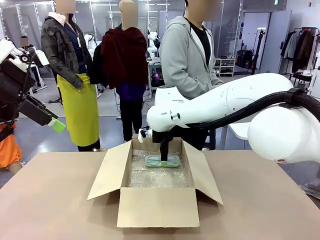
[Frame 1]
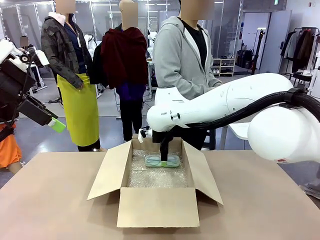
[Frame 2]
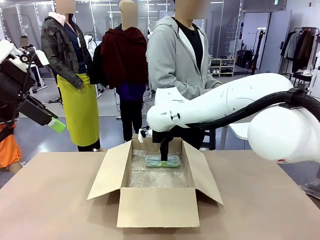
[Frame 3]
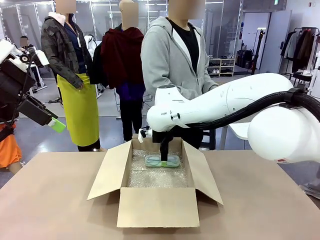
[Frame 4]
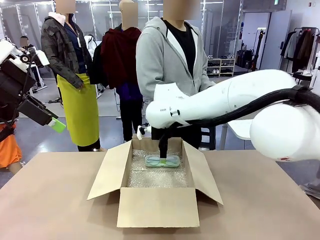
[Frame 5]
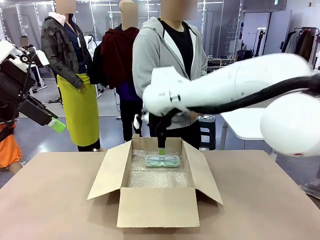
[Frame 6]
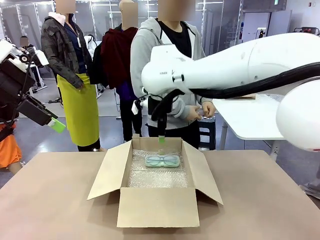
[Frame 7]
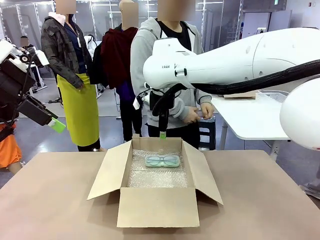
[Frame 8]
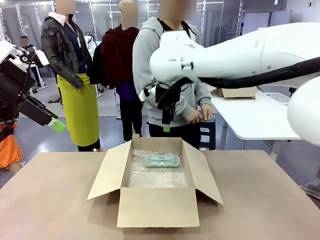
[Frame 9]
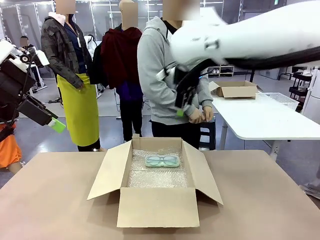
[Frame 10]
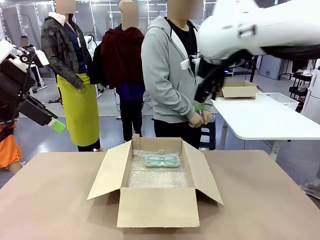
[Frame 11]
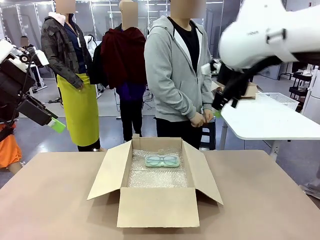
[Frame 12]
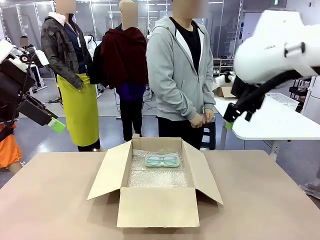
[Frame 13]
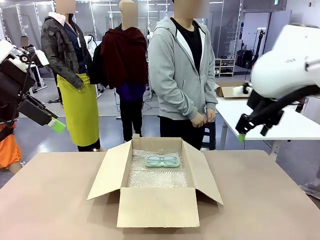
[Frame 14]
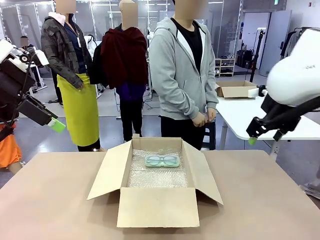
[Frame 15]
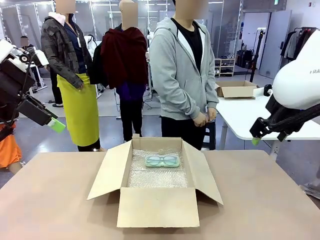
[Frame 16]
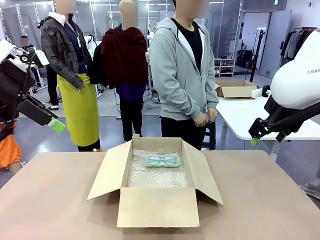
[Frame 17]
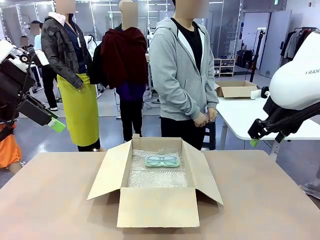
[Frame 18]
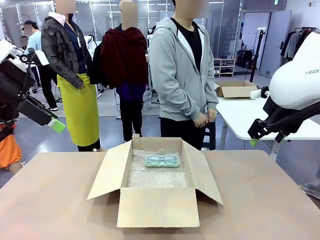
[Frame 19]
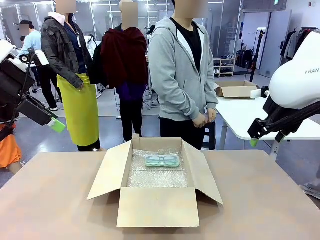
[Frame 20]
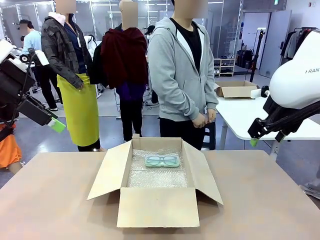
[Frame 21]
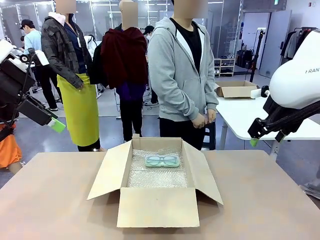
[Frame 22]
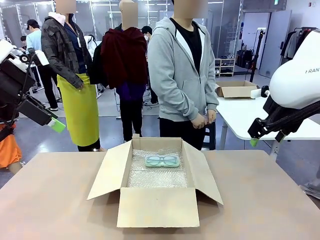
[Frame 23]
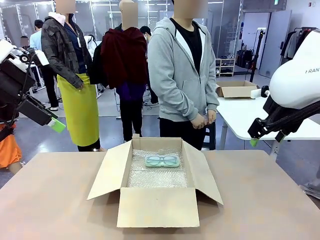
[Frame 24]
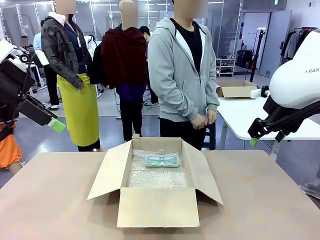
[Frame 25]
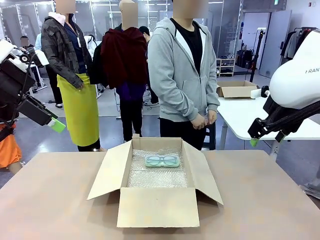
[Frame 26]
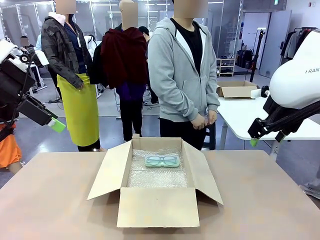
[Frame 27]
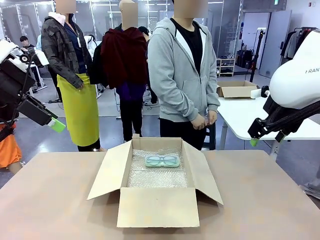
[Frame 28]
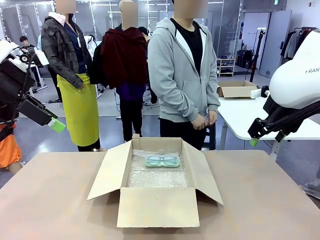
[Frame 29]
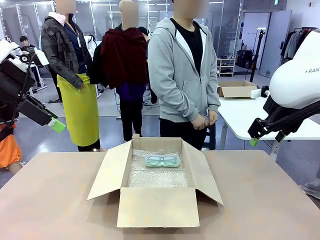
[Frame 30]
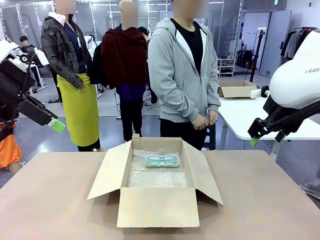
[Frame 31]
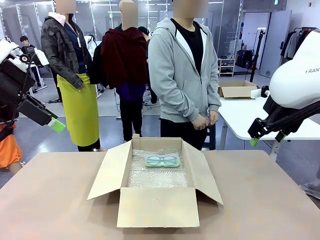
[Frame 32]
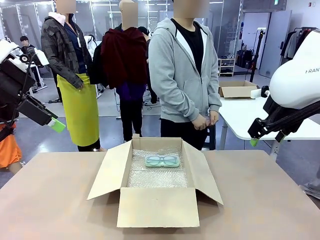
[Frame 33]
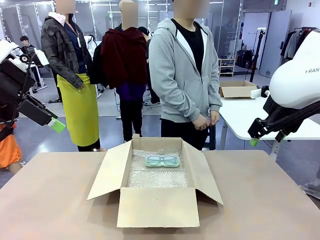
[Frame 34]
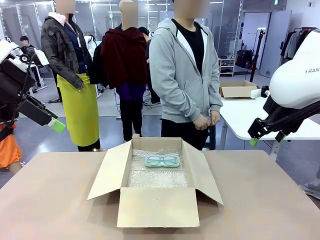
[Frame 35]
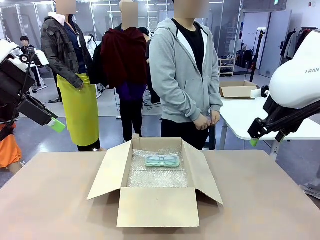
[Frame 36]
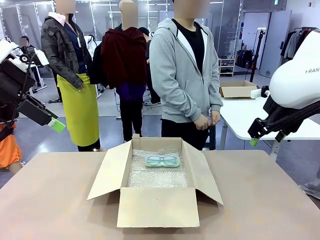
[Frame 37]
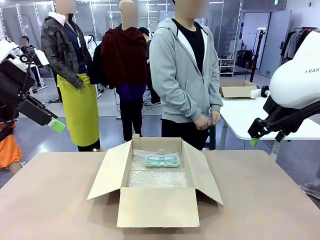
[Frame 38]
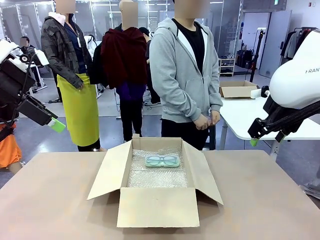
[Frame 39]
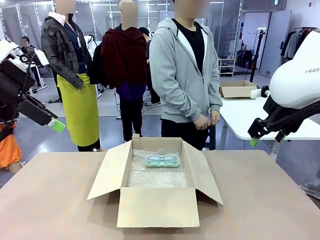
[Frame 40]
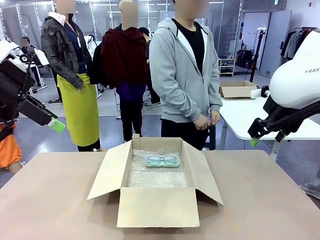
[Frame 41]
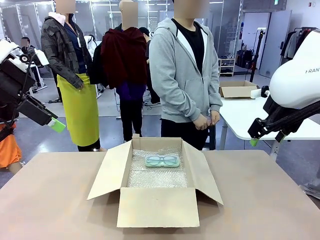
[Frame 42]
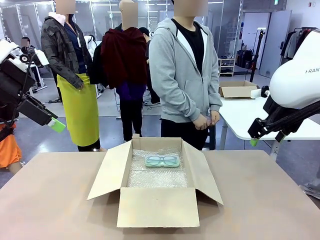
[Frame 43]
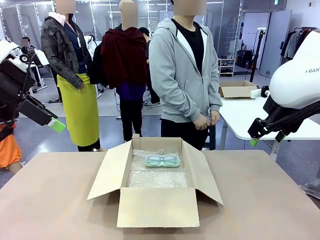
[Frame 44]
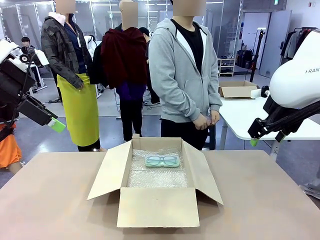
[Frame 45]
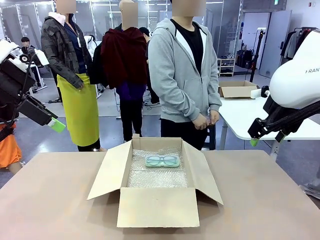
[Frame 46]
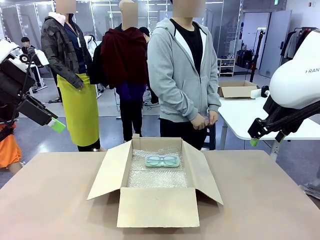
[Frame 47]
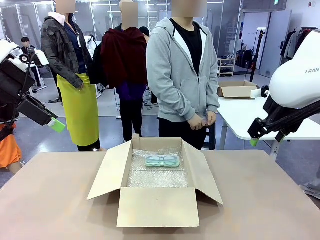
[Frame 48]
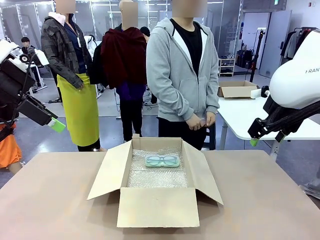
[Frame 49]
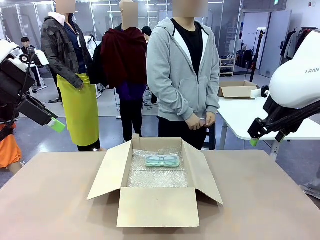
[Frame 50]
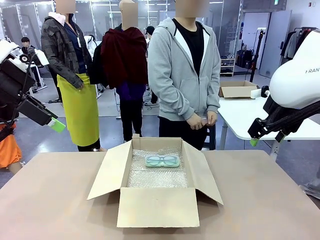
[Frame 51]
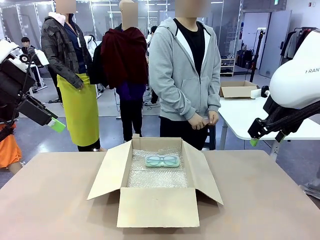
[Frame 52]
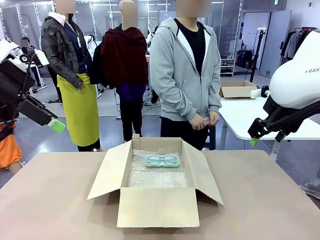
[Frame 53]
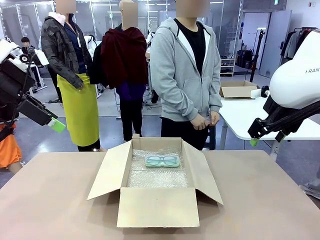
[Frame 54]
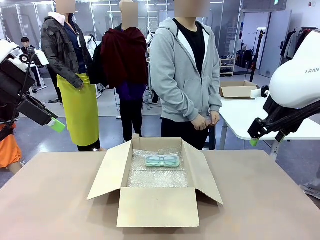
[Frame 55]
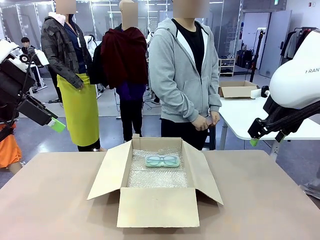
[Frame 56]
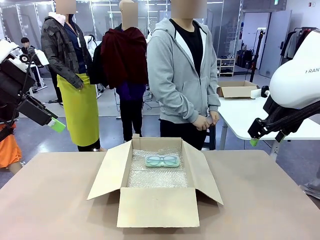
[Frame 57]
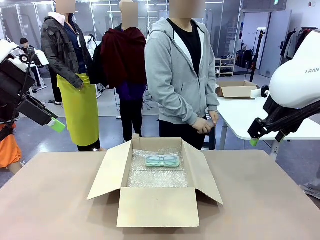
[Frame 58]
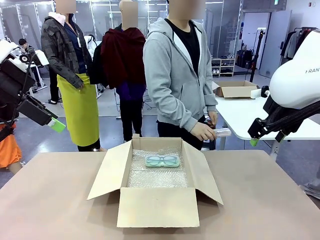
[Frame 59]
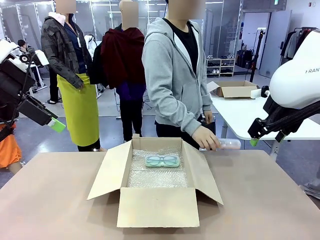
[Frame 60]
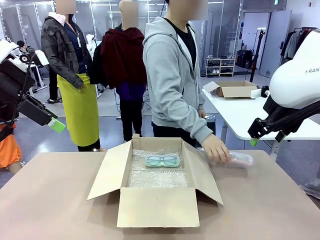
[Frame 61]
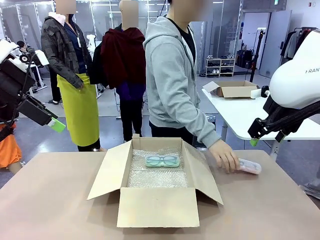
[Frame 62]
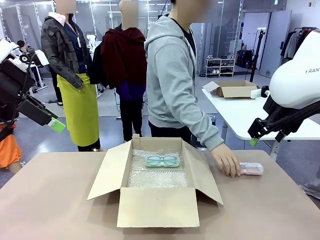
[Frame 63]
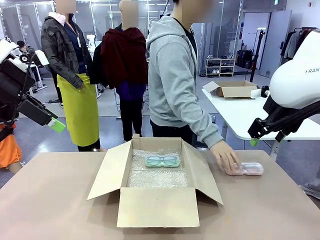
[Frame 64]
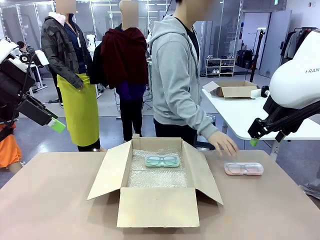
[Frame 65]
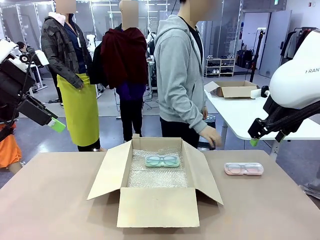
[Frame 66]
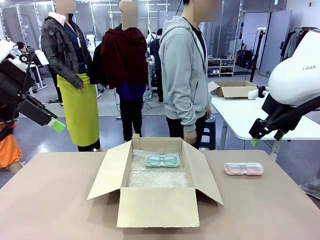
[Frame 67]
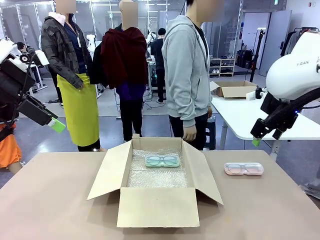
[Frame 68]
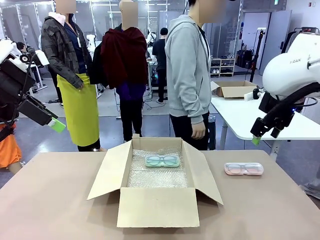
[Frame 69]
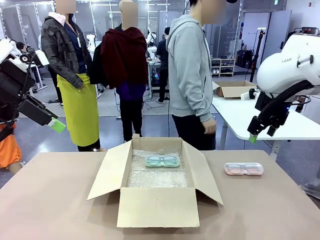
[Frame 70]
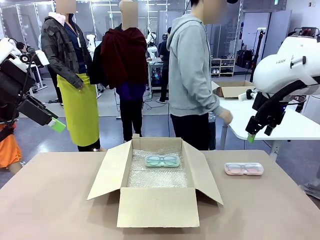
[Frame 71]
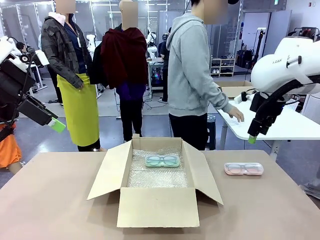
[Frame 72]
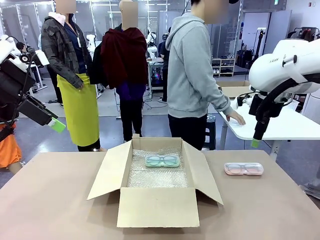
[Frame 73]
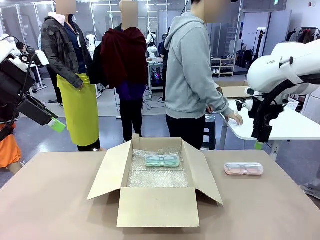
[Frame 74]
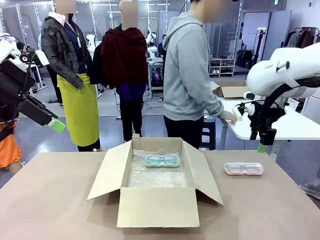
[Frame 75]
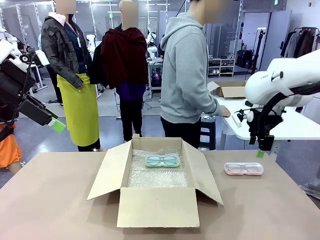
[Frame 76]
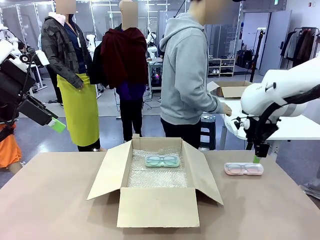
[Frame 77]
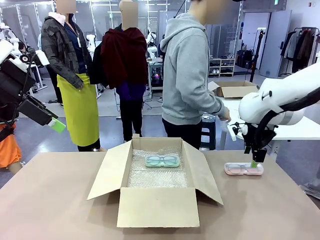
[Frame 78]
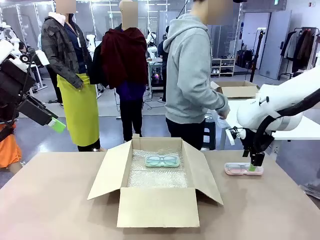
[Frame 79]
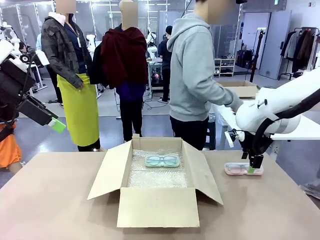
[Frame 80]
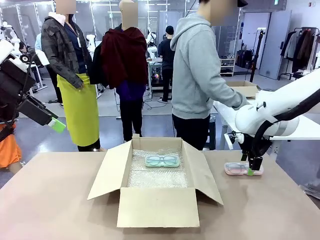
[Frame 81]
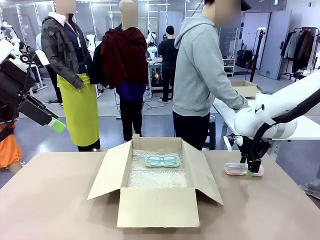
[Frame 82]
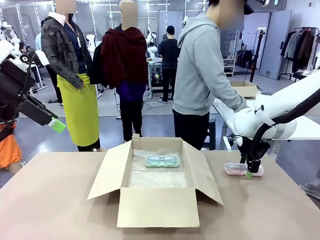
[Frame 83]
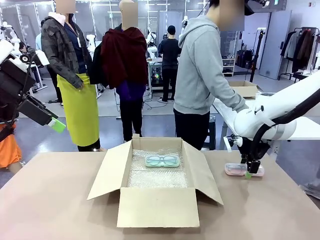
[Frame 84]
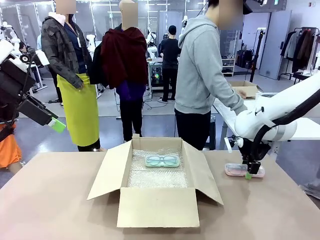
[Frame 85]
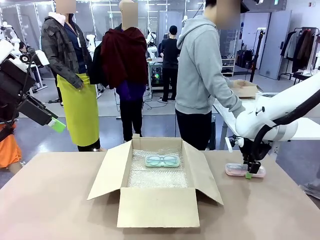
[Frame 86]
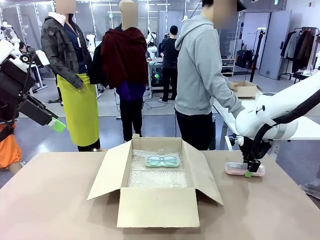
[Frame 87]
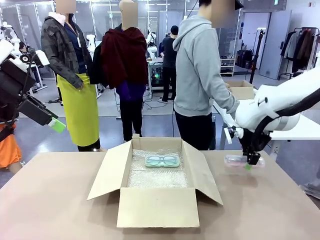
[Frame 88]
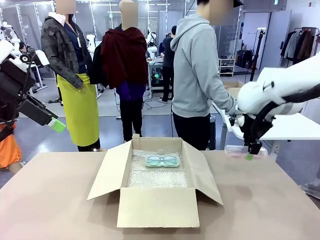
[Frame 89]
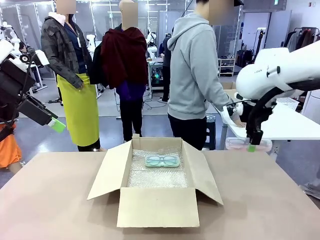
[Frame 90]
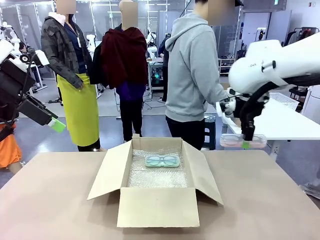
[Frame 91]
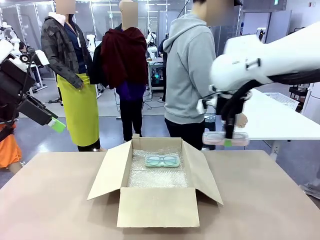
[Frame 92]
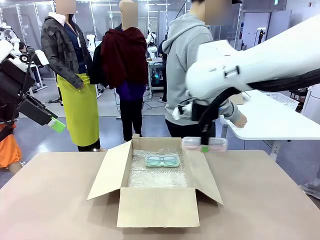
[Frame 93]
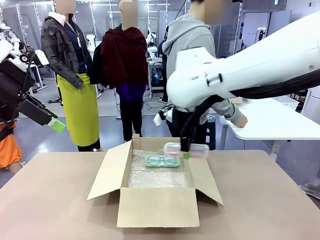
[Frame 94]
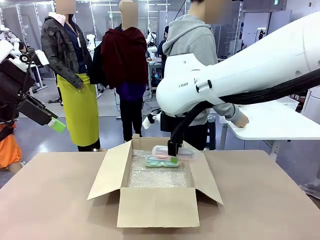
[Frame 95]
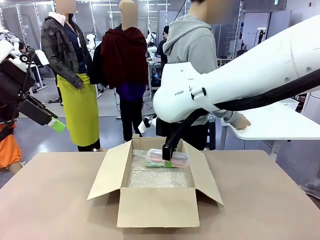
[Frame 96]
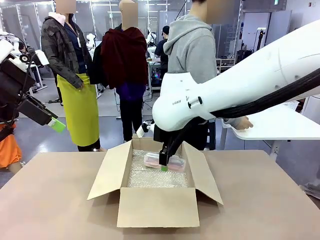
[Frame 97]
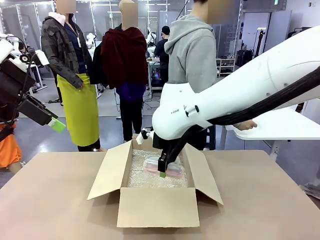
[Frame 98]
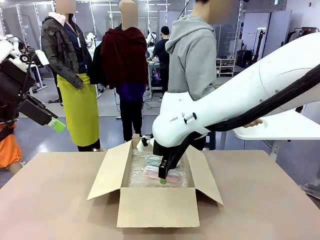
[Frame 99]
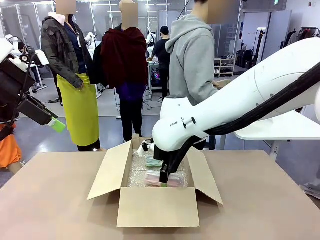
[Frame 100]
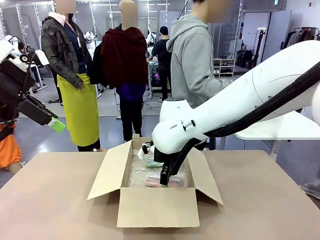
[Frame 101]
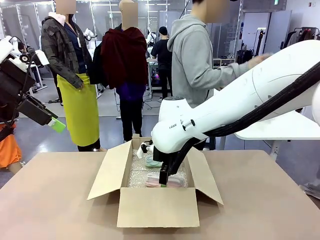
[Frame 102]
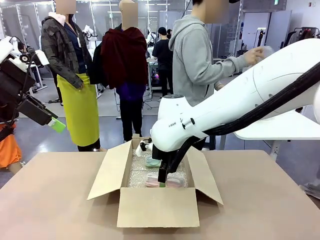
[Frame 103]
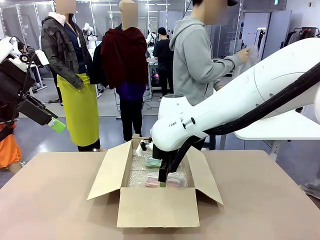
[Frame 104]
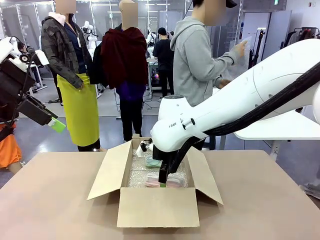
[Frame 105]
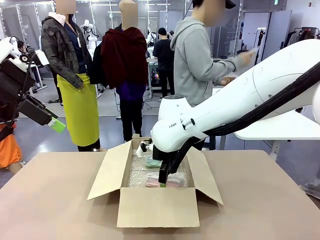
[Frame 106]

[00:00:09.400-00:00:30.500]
Task: Pack the glasses set securely to prepare it for shipping.
Robot: Put the Glasses case from the right side of the table into the Package Box.
Person: Position the Glasses case on the left side of the robot's table.
